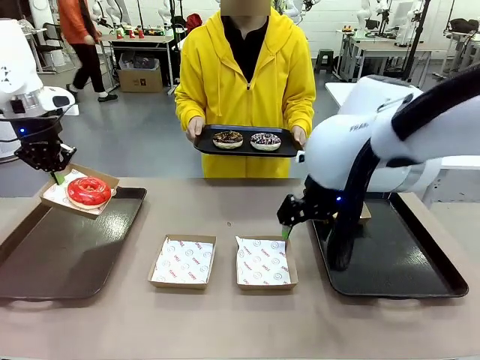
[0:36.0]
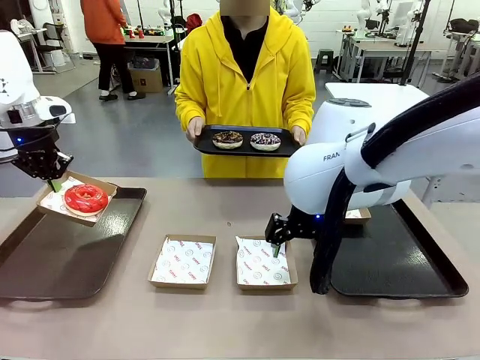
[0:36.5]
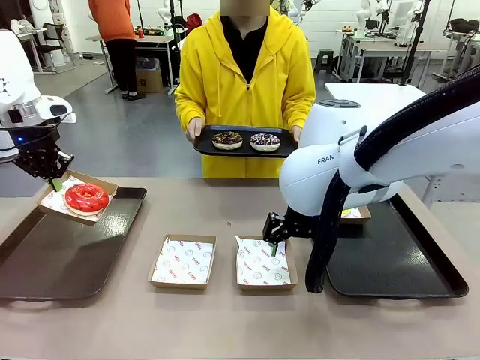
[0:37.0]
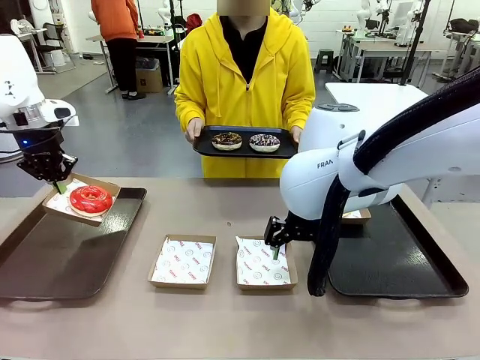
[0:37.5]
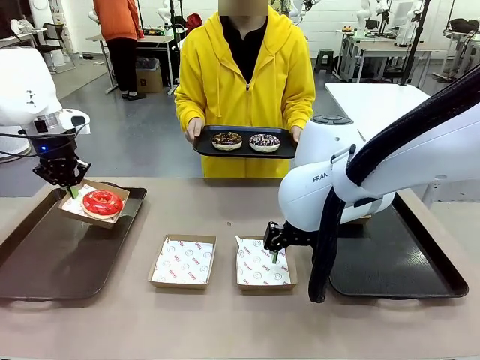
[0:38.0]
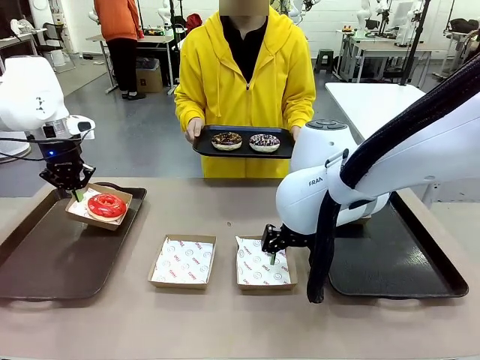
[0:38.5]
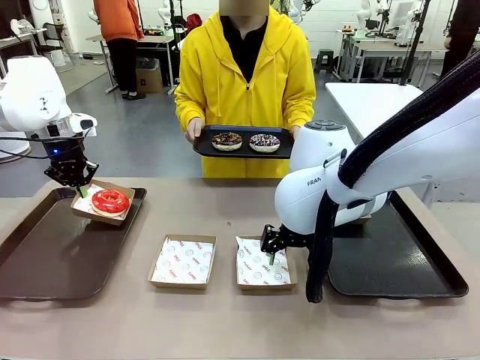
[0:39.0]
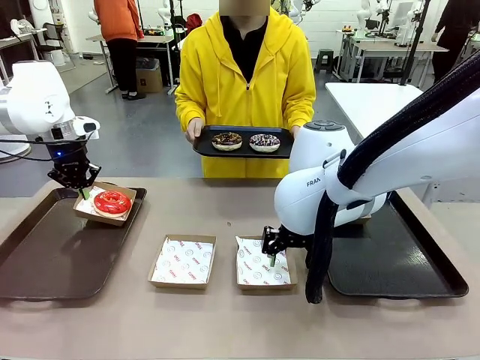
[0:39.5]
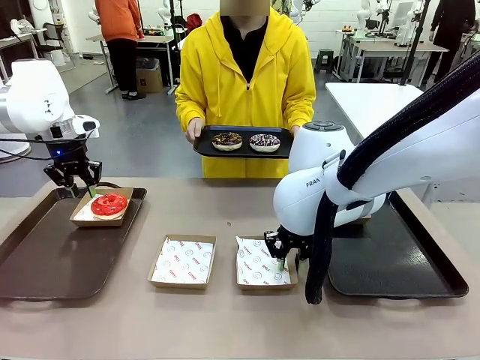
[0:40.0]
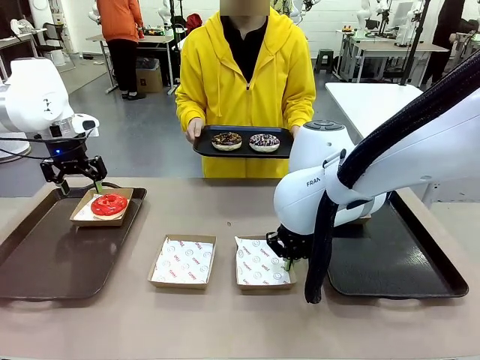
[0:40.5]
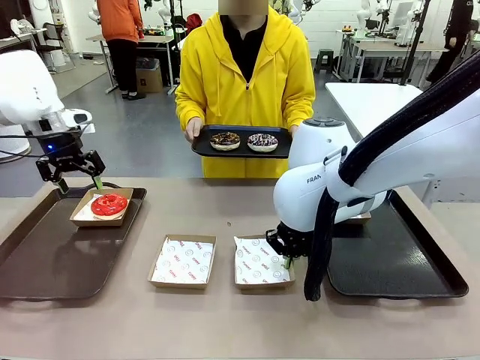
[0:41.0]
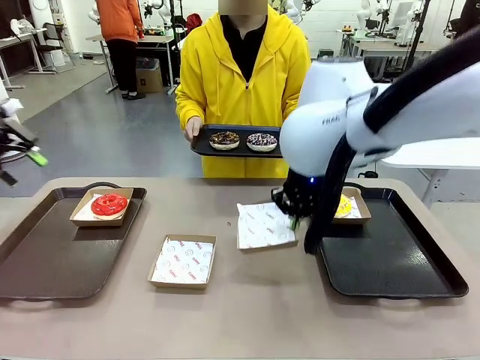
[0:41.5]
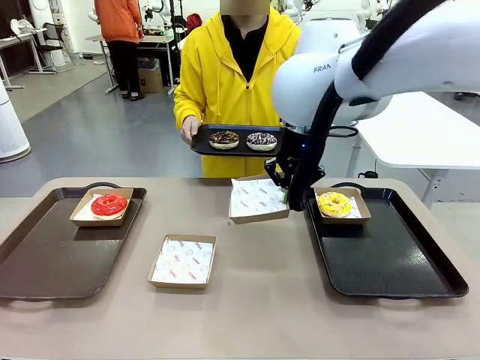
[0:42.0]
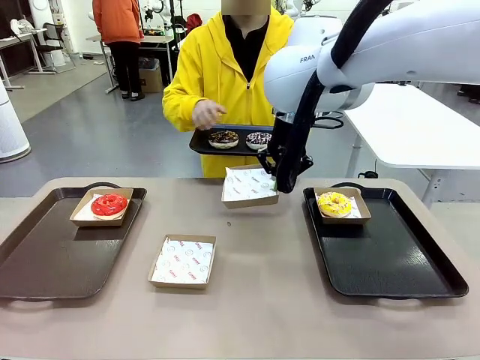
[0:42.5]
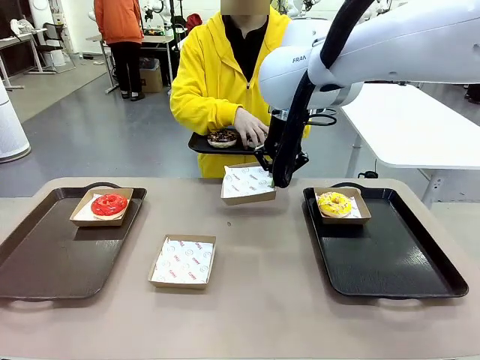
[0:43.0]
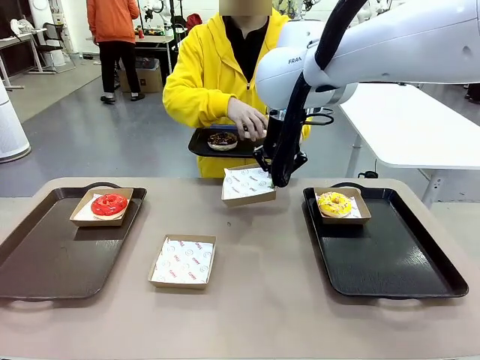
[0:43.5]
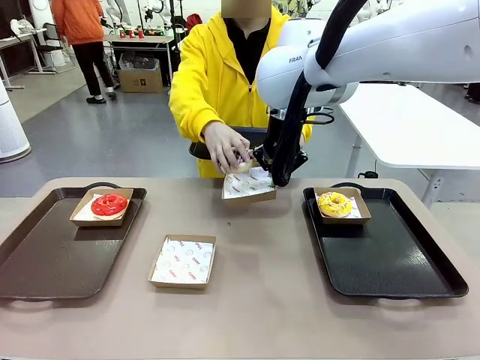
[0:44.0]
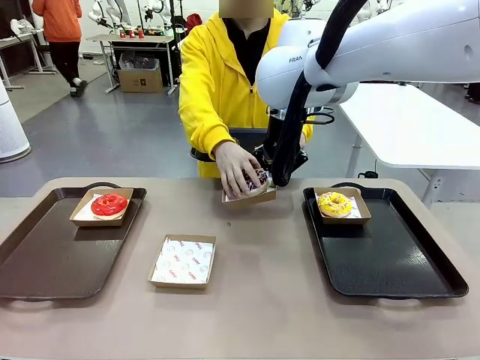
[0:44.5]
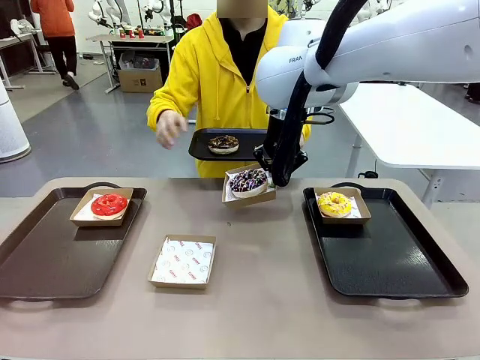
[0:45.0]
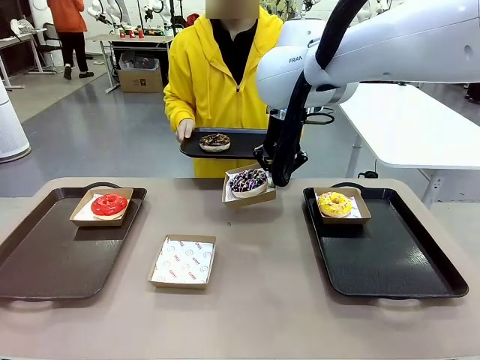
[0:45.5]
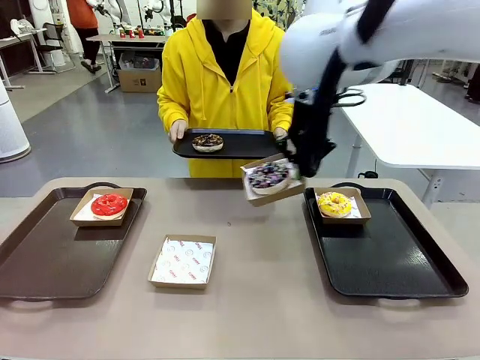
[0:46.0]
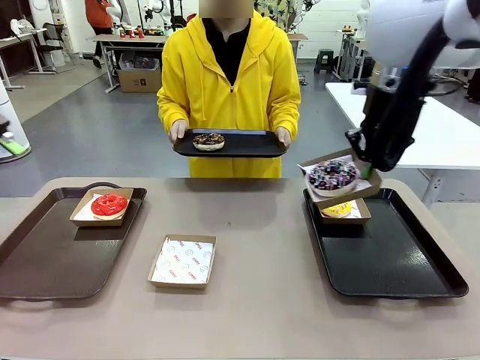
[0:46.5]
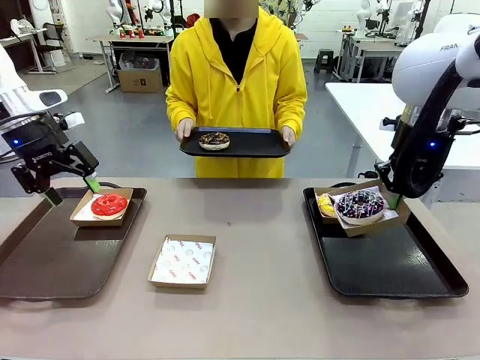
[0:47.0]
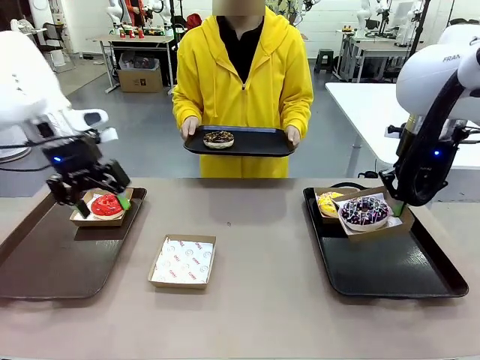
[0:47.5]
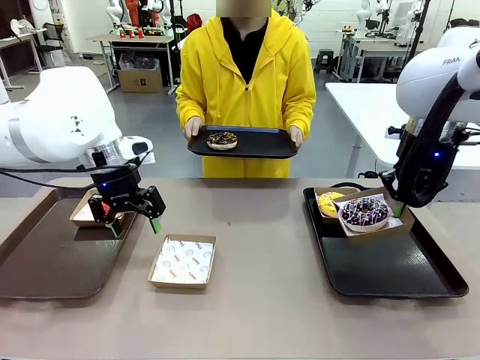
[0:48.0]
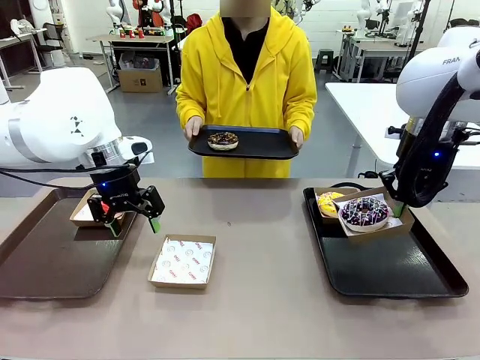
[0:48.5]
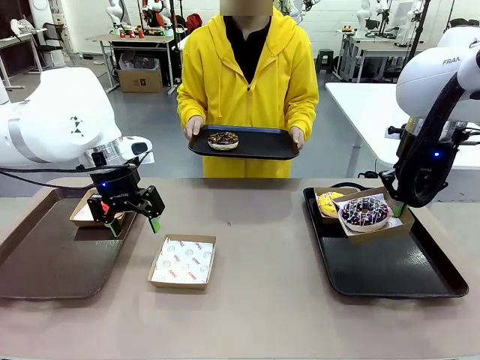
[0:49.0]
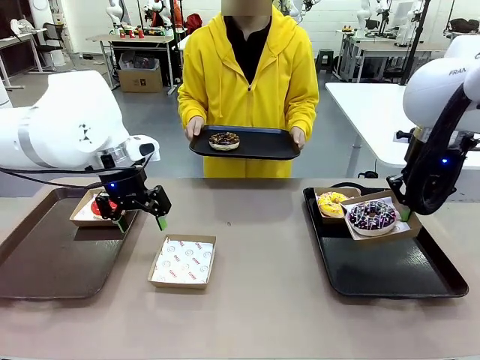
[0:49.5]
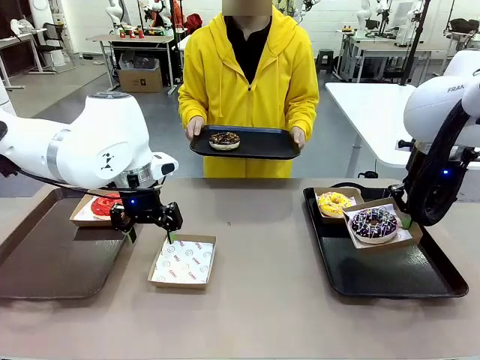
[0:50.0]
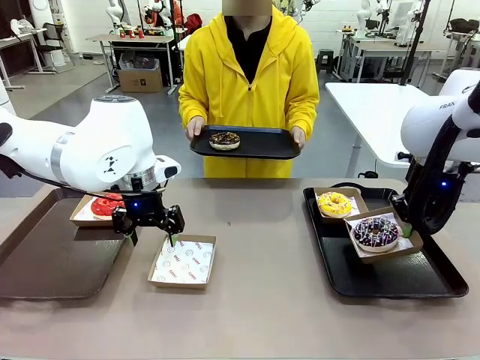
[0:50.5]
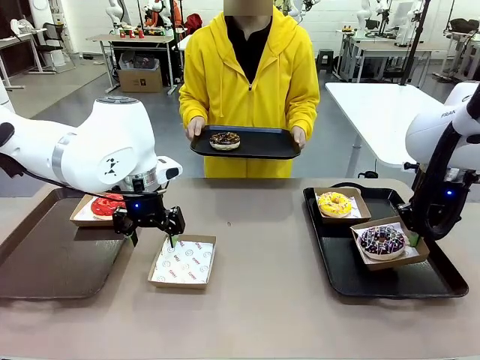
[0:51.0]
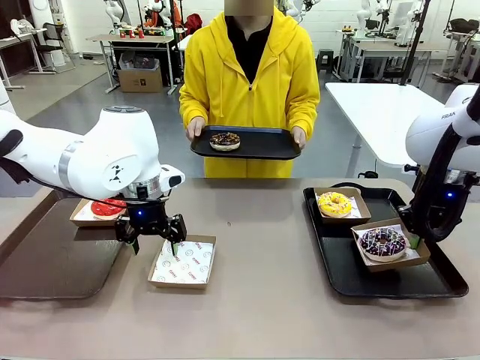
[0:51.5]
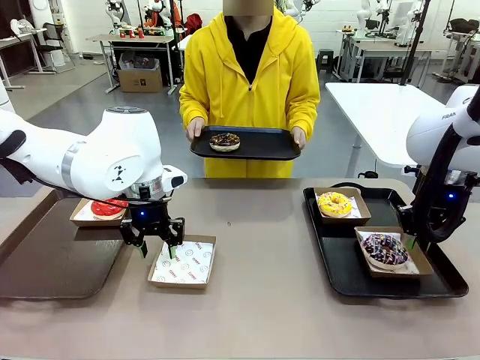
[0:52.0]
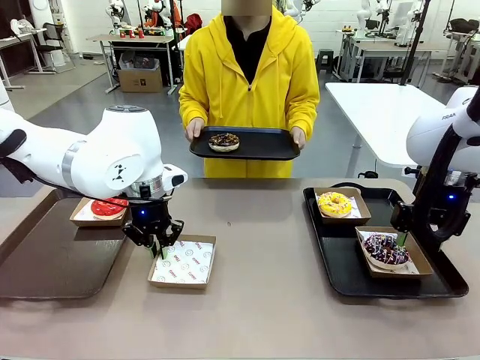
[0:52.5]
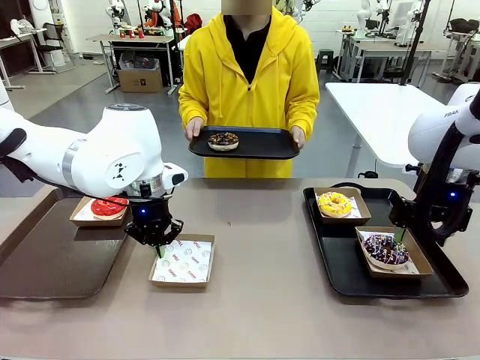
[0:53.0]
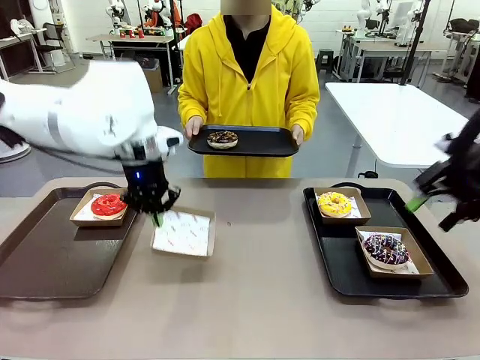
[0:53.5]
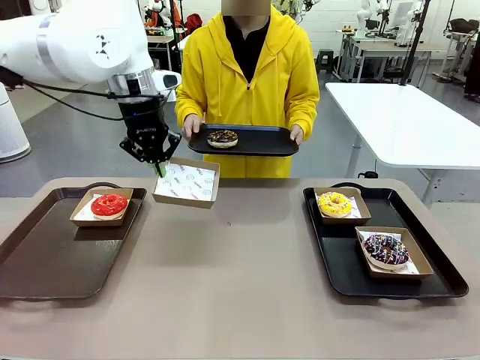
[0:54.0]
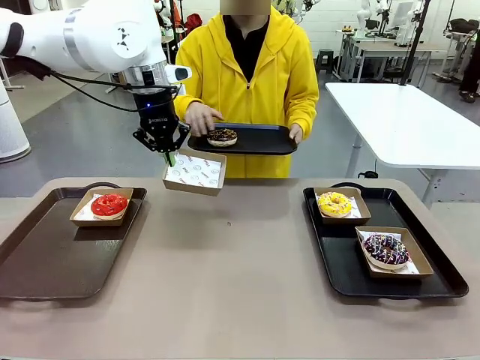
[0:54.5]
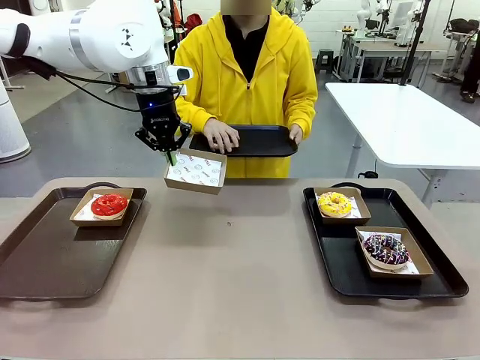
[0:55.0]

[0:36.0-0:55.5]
Task: Individually package the donuts and arrange them on the tray.
Robot: Place the picked Paper togo box on the Handle tray while simultaneously picking up another Paper togo box from the table with the other hand.

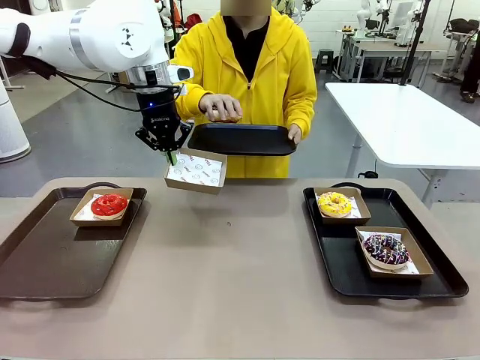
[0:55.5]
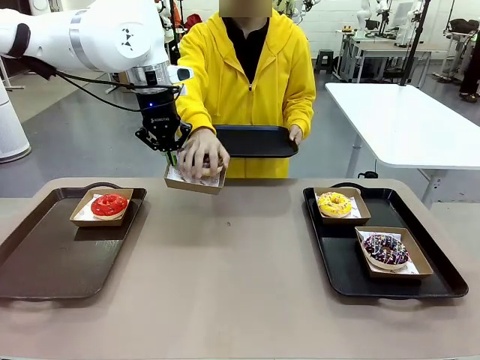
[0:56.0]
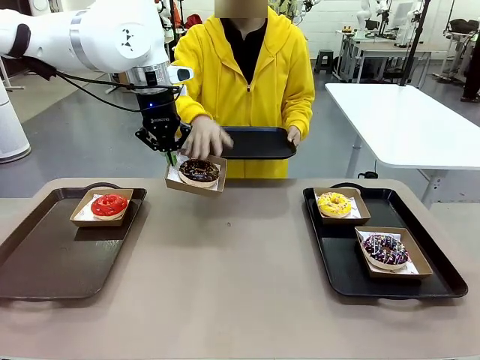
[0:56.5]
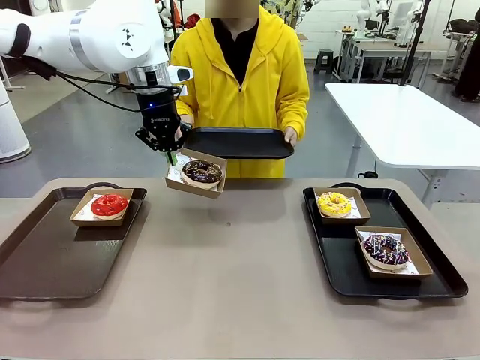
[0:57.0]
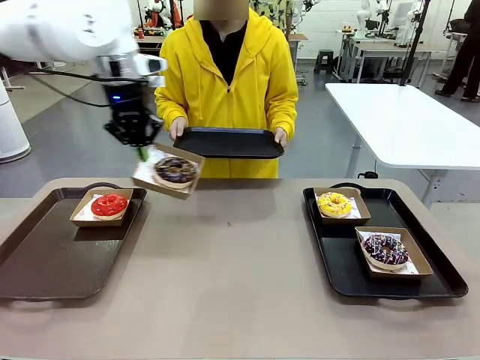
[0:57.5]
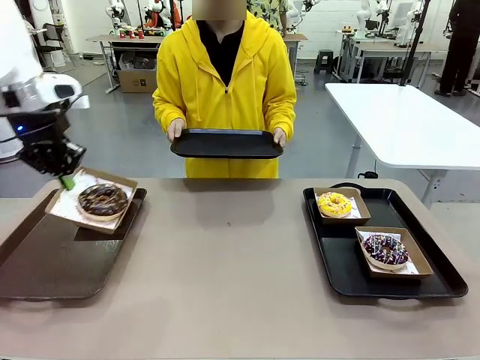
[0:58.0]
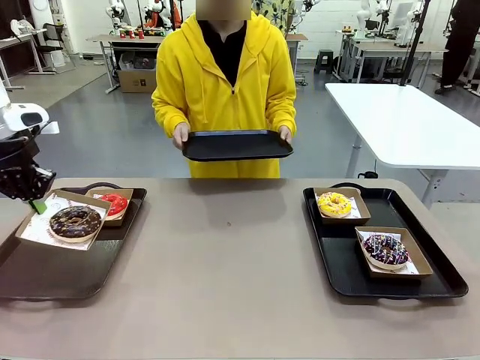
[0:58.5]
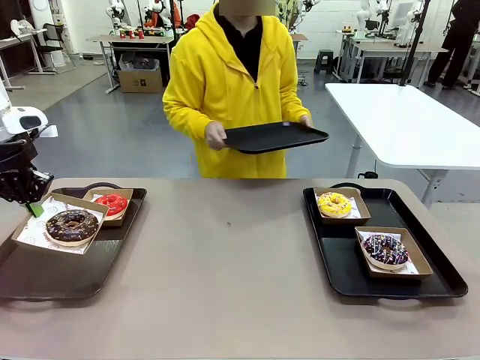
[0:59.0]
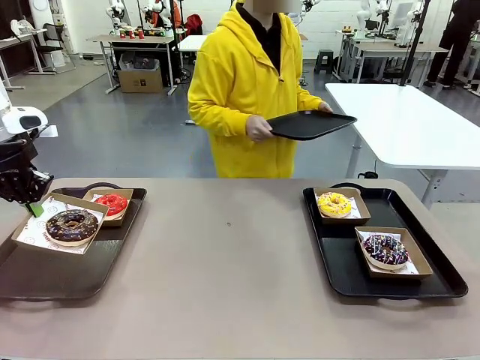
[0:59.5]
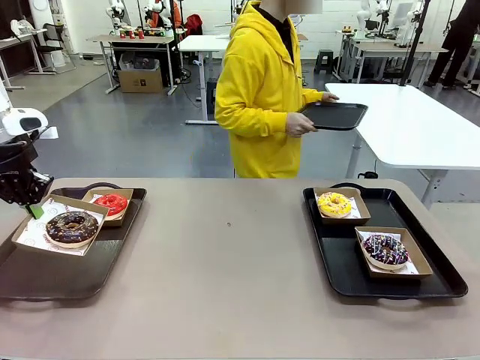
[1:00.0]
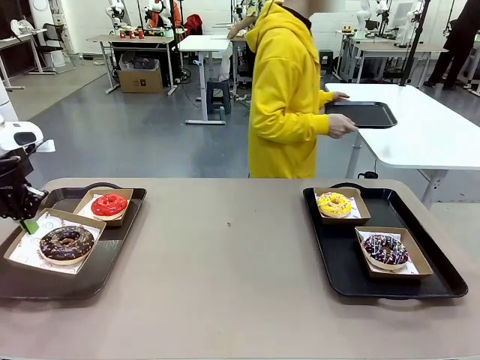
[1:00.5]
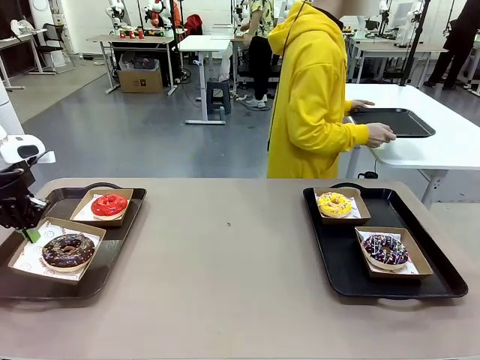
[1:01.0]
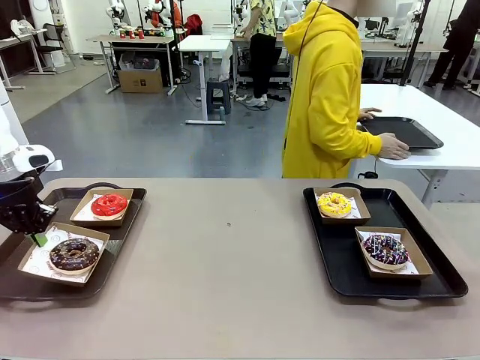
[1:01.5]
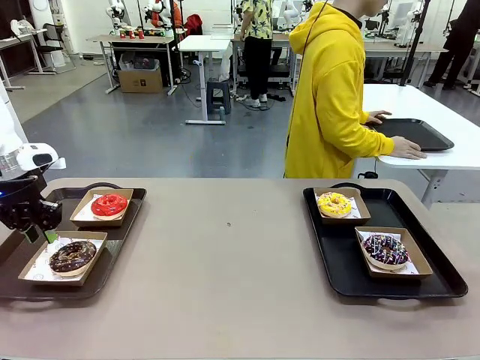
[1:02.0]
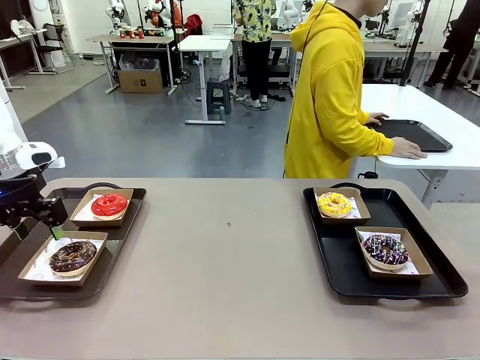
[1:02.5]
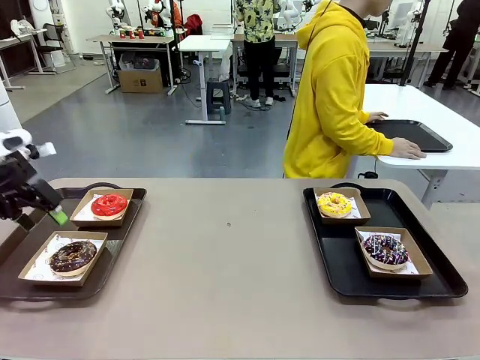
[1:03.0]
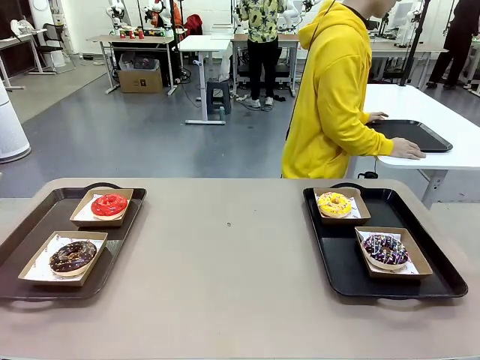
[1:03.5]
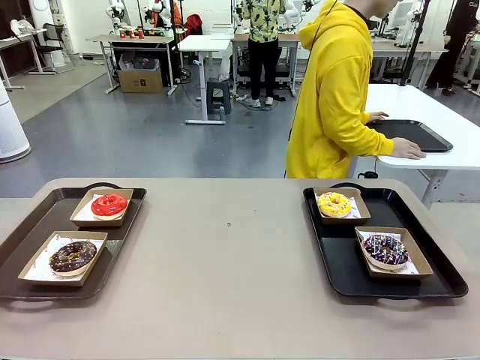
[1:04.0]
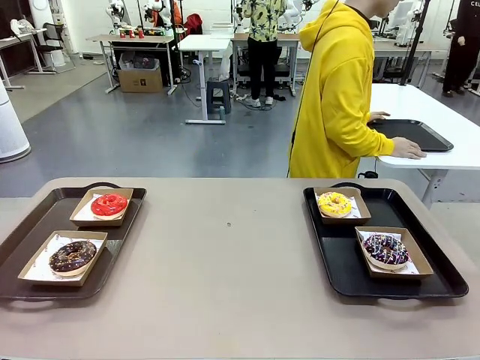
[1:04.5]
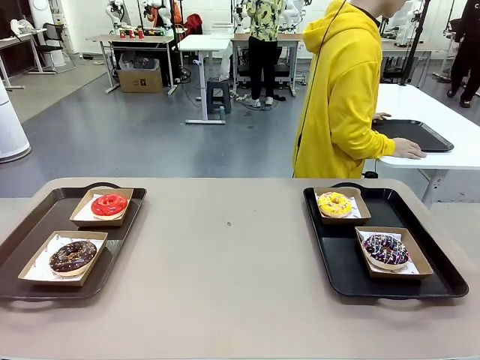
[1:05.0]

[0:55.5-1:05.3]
Robot: Place the picked Paper togo box on the Handle tray.
Person: Place the tray down in the middle of the human table.
